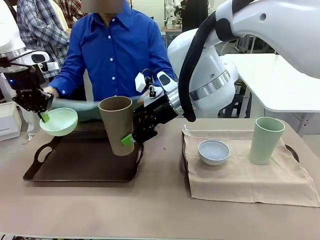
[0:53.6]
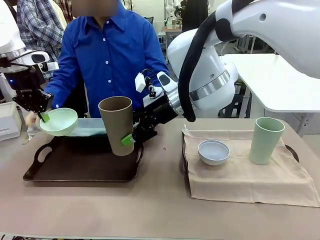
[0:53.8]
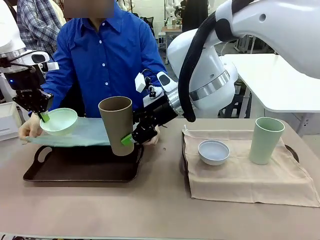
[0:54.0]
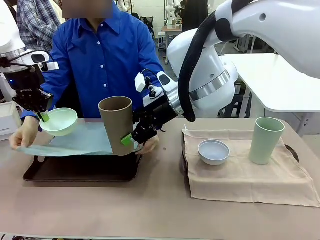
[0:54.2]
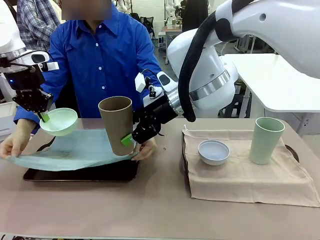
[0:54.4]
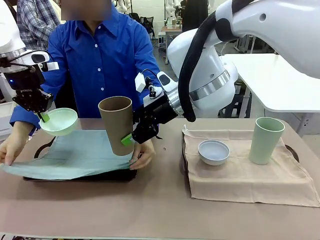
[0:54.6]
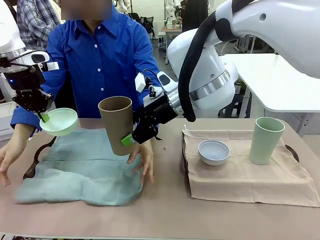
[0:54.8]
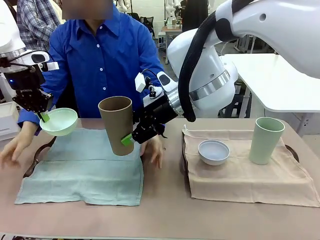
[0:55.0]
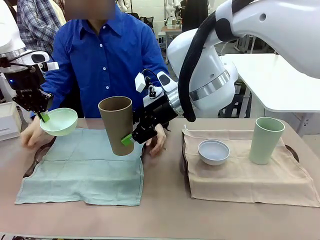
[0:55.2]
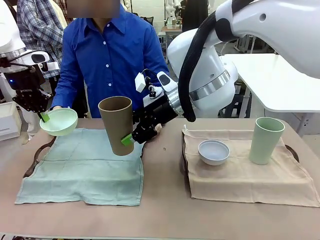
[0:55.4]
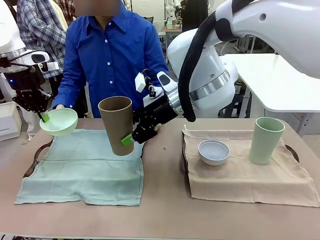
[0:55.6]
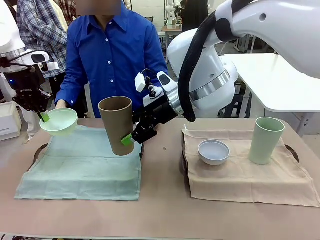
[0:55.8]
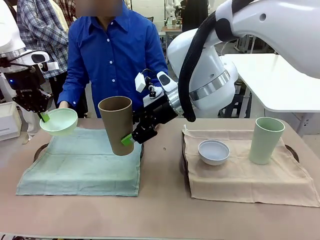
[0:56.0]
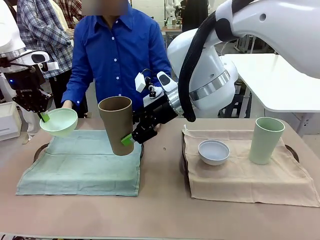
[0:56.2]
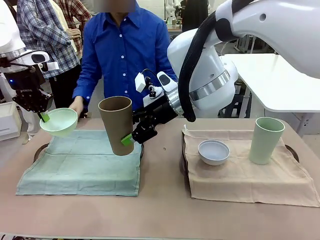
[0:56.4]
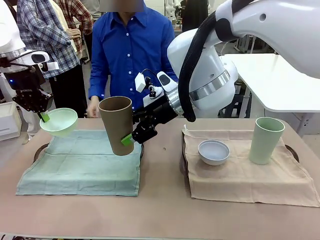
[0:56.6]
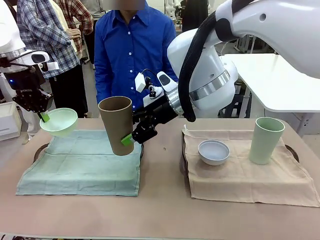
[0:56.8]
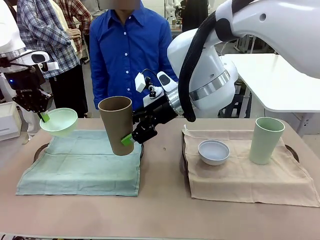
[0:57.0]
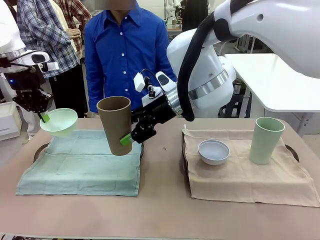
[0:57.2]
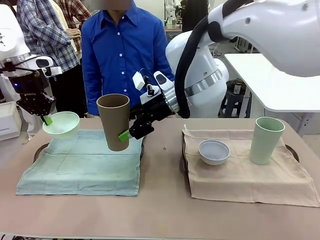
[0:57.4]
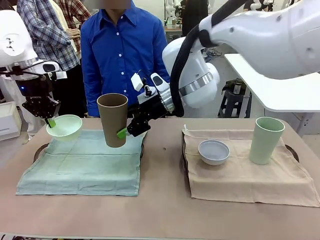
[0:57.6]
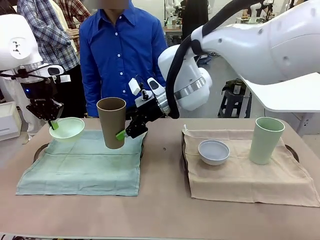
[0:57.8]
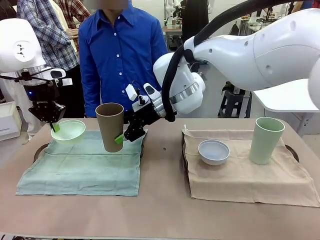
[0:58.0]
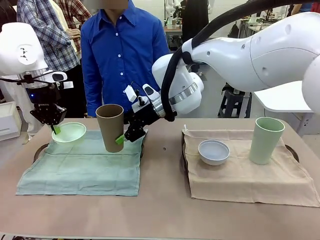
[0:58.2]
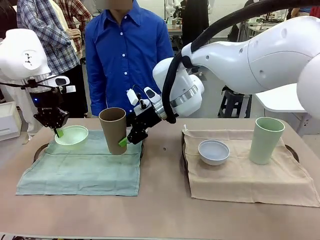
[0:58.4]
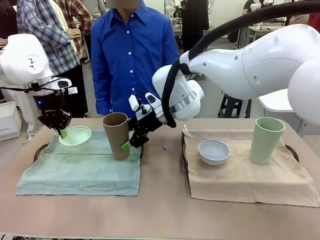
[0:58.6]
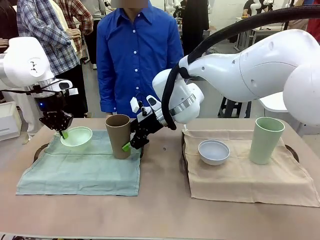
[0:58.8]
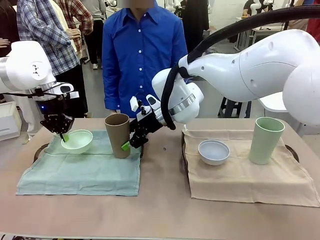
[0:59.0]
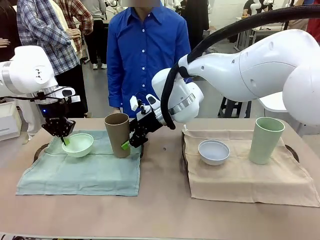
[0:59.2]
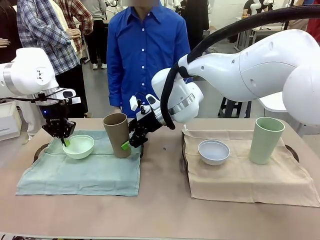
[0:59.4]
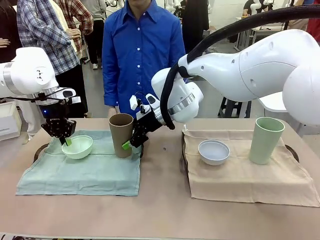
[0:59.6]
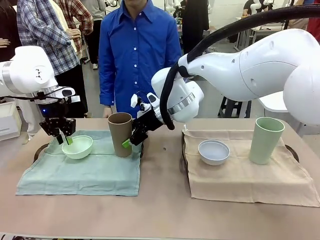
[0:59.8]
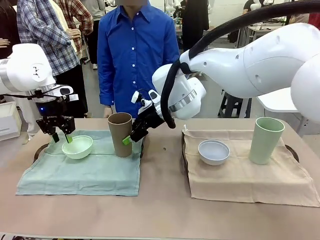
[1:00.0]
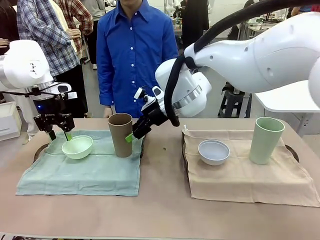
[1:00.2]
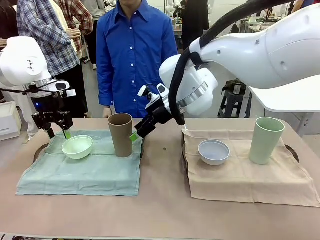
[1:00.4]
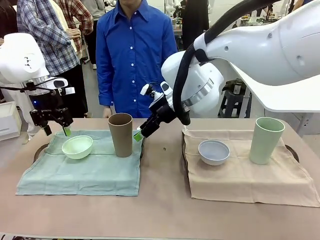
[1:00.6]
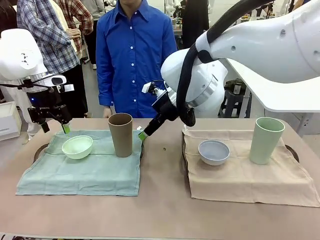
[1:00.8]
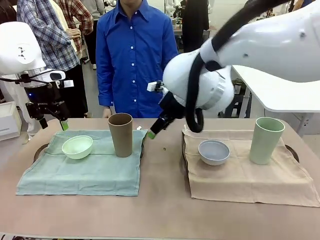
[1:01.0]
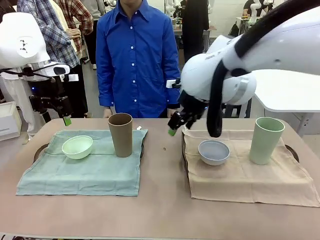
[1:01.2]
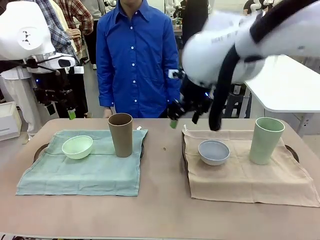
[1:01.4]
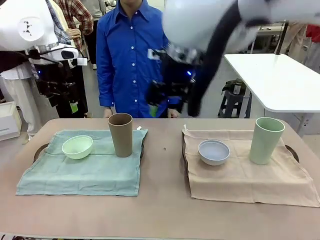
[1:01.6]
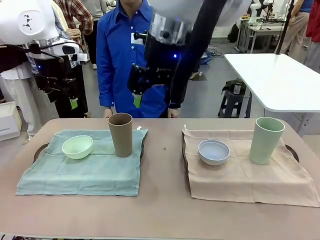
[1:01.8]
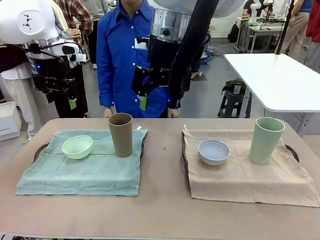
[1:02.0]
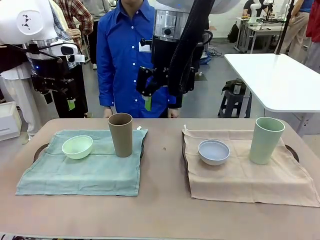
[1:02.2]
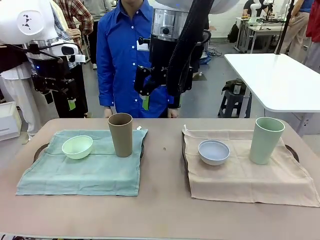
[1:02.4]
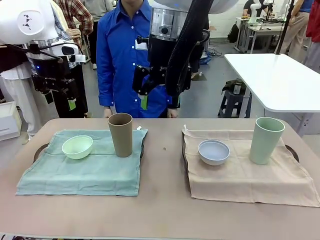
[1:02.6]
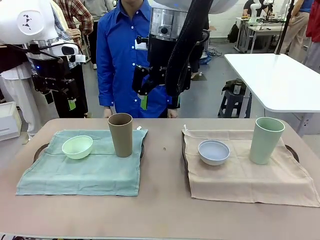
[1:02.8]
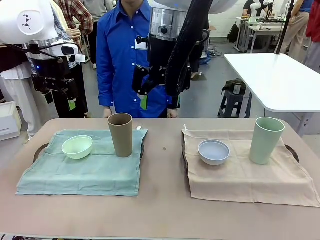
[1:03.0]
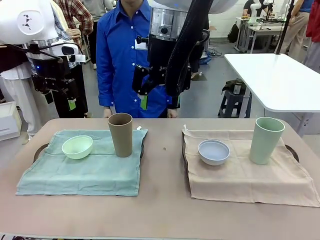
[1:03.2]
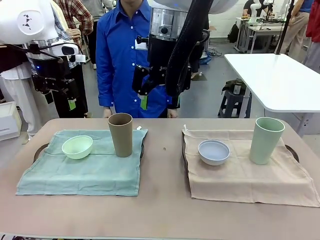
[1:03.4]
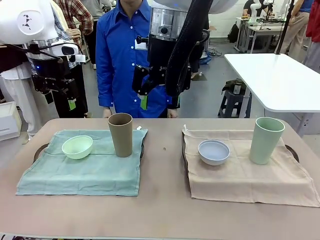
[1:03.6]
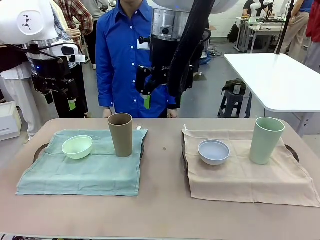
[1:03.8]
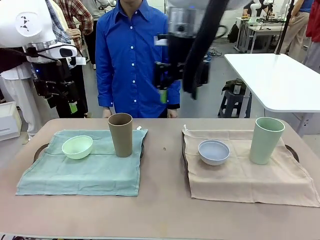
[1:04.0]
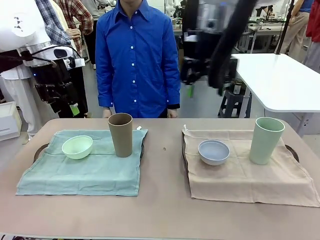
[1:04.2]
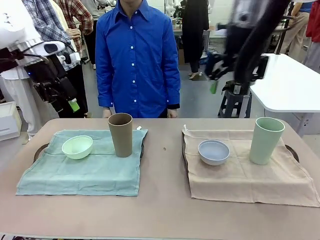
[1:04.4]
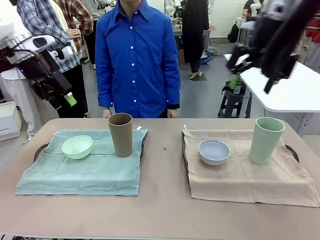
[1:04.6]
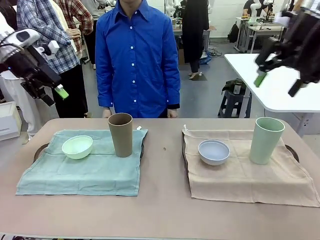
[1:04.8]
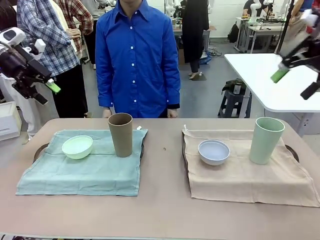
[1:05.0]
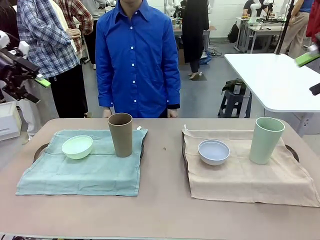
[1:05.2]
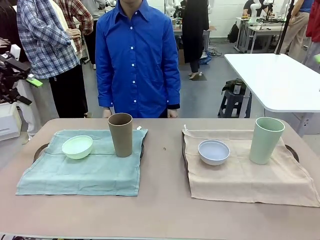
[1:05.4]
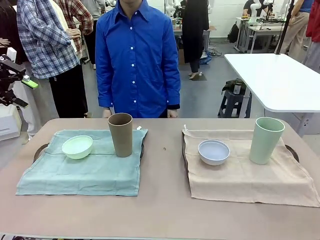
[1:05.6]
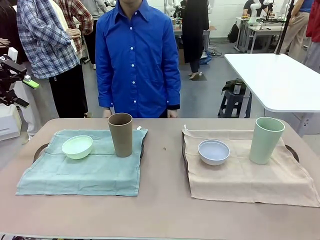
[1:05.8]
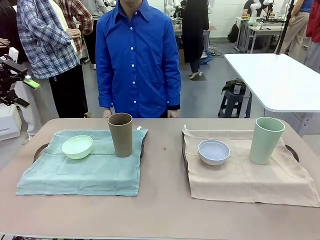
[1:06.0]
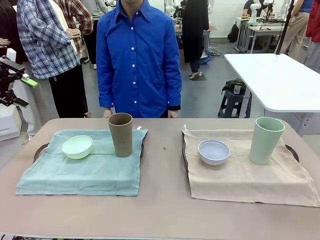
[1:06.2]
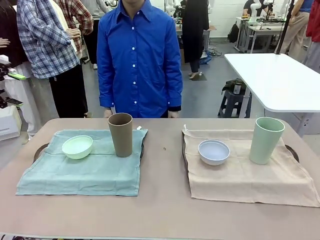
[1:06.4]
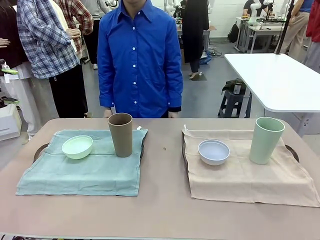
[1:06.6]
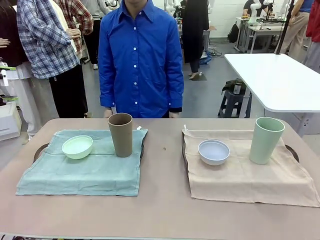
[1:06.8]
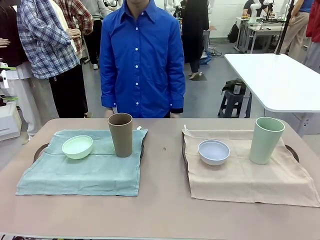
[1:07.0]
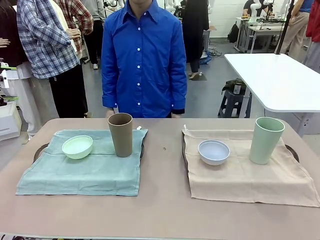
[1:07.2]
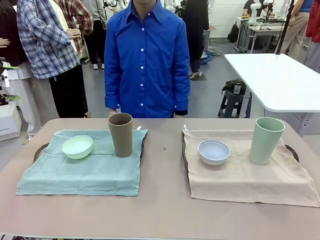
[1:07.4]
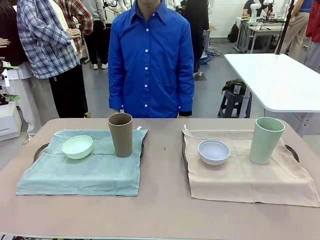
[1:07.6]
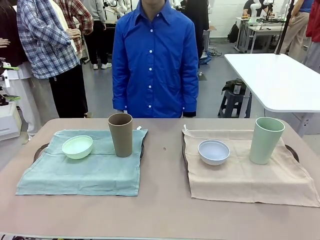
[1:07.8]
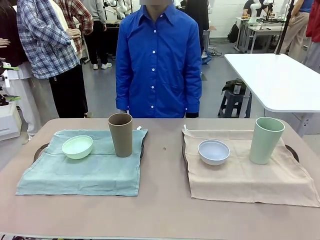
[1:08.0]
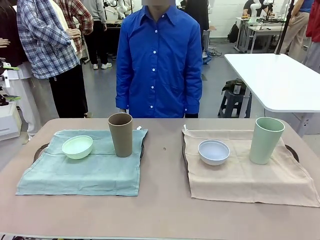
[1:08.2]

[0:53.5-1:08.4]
Robot: Place the Picnic Bowl and Reusable plastic cup back onto the Handle tray in front of the human's position.

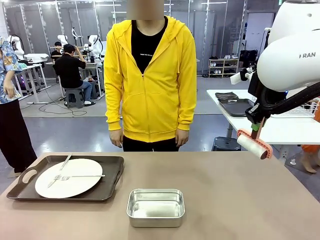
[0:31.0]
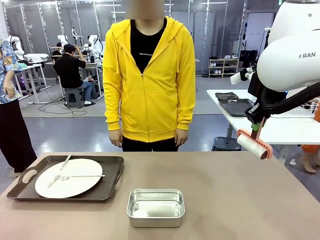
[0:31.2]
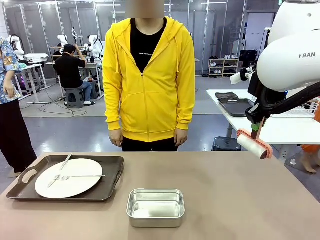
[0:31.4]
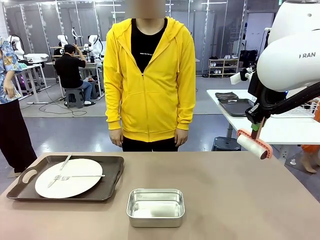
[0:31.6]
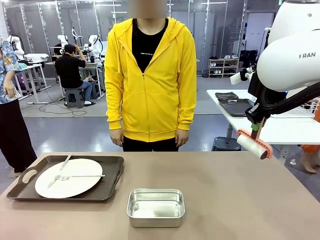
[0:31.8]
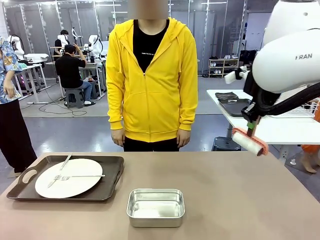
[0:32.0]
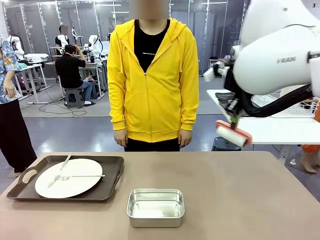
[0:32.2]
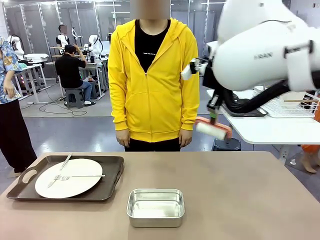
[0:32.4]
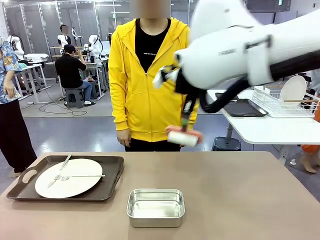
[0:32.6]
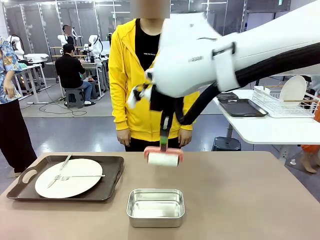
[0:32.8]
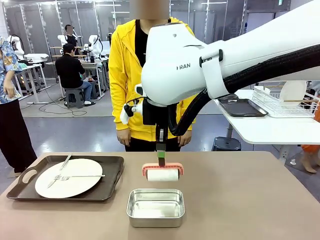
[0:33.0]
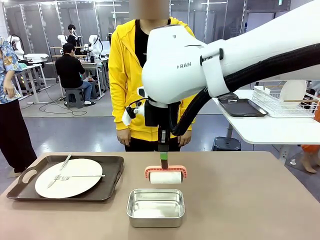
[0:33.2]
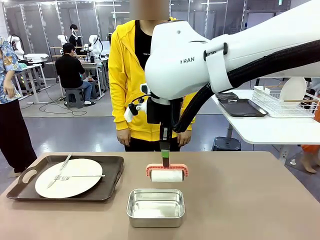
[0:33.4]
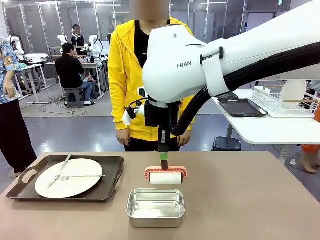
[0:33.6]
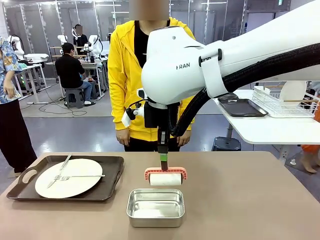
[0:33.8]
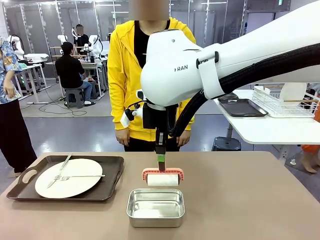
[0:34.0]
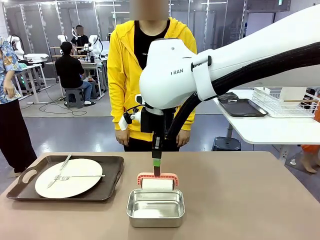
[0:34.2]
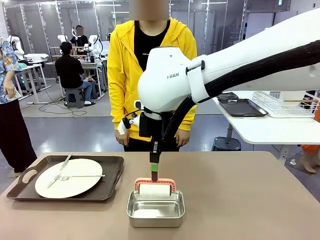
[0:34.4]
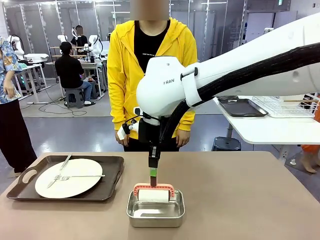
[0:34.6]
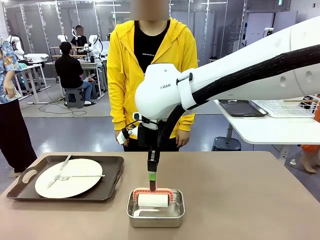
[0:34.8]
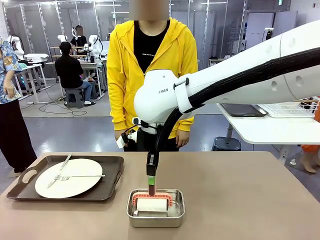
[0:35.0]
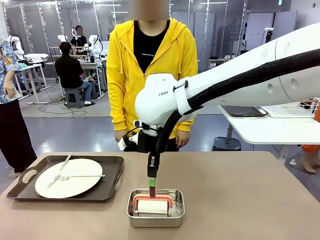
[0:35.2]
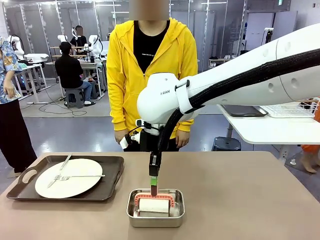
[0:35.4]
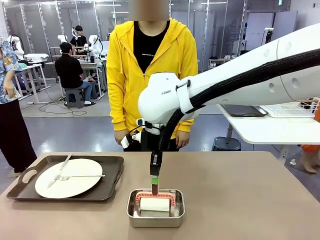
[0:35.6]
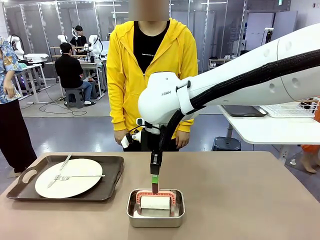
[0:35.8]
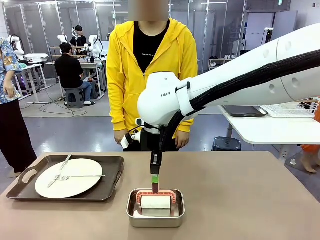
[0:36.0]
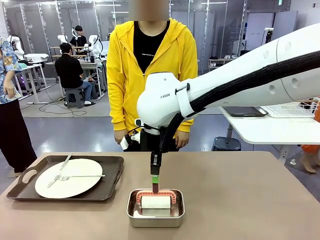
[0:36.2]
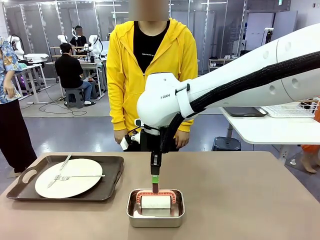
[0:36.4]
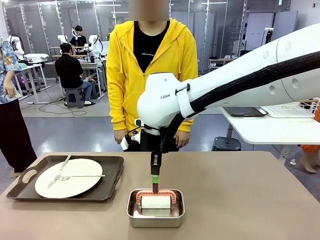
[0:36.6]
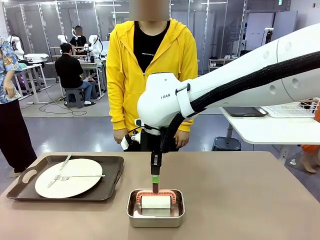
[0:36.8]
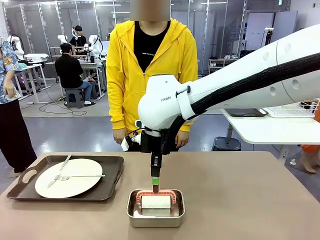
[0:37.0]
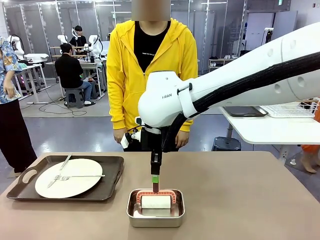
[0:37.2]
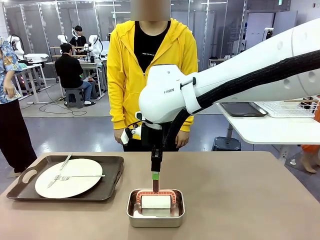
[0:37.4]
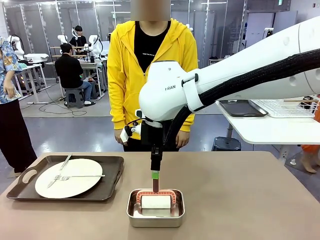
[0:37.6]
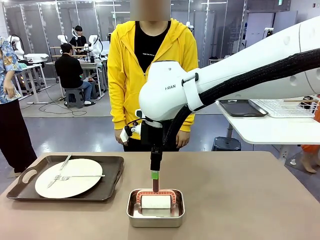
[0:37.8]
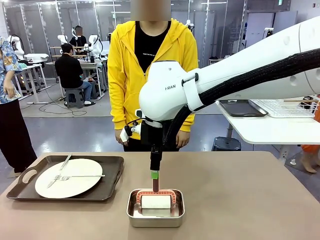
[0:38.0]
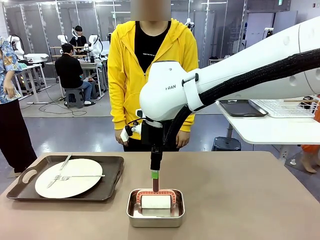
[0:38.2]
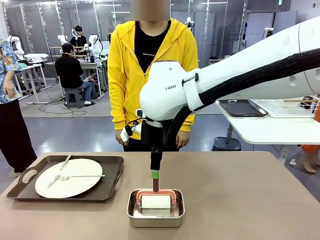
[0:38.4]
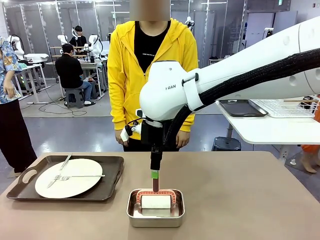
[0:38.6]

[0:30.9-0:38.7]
Robot: Place the Lint Roller back on top of the Airtight Container.
